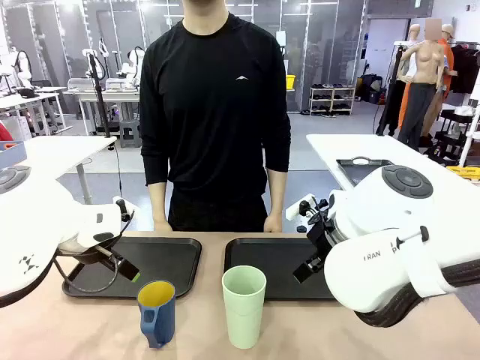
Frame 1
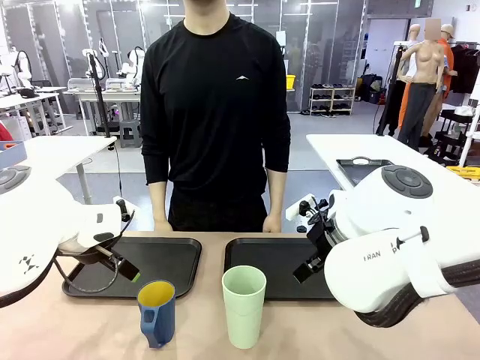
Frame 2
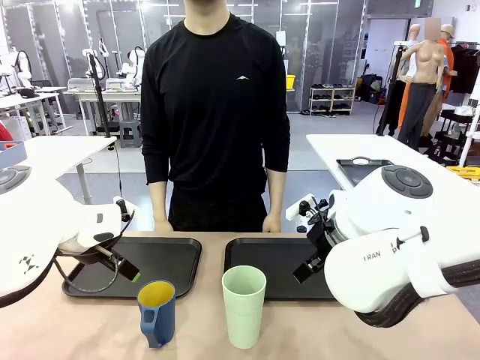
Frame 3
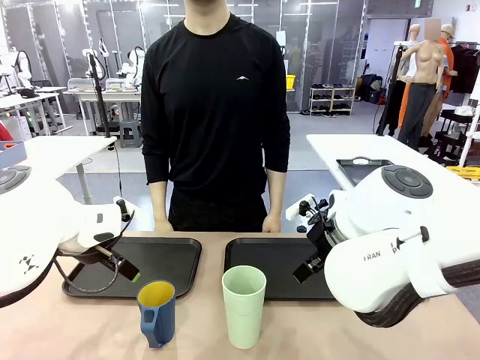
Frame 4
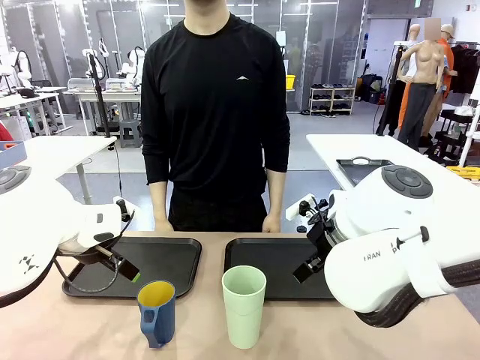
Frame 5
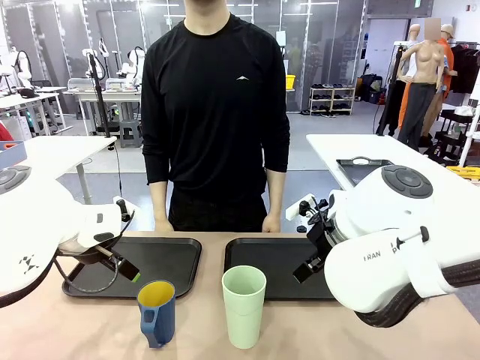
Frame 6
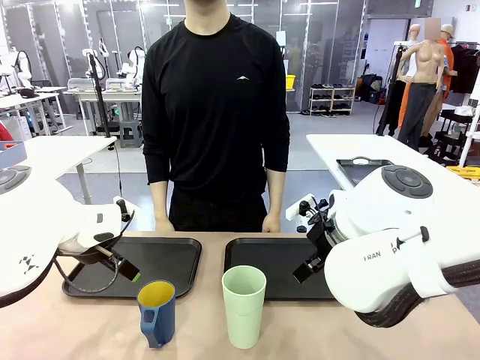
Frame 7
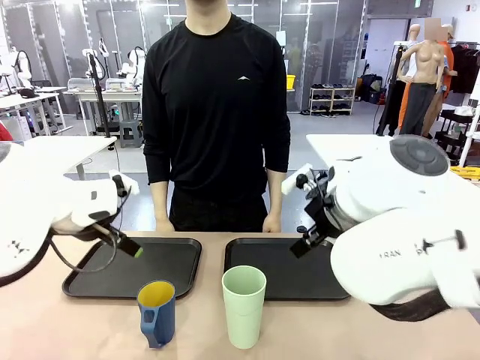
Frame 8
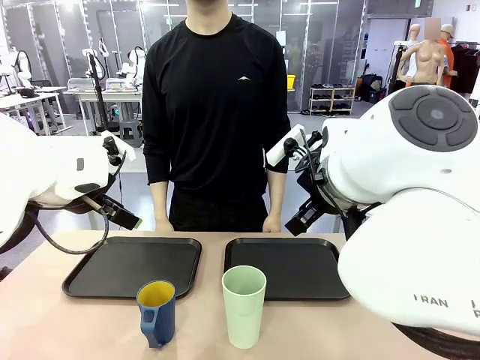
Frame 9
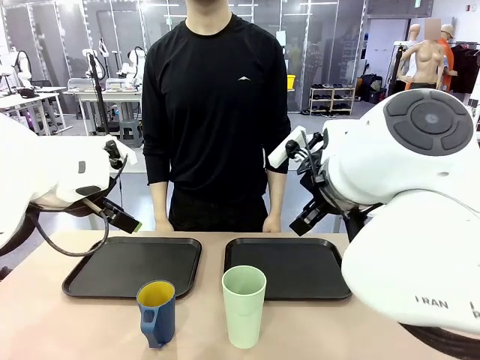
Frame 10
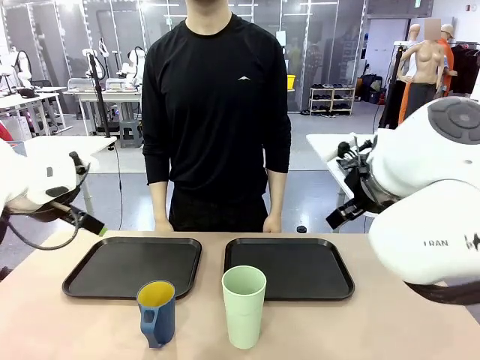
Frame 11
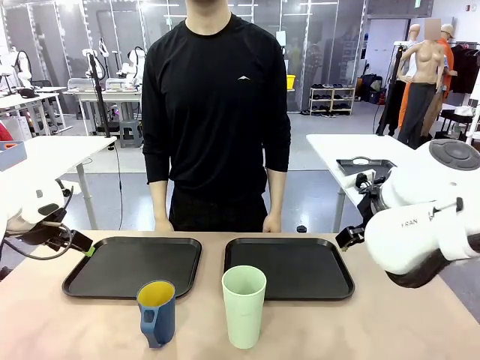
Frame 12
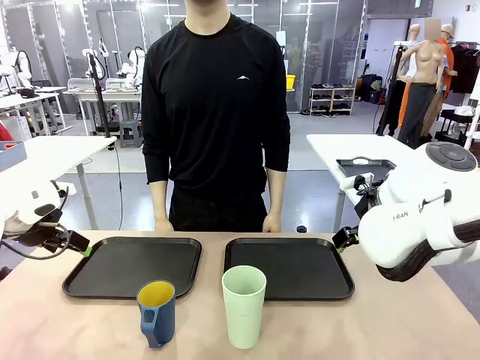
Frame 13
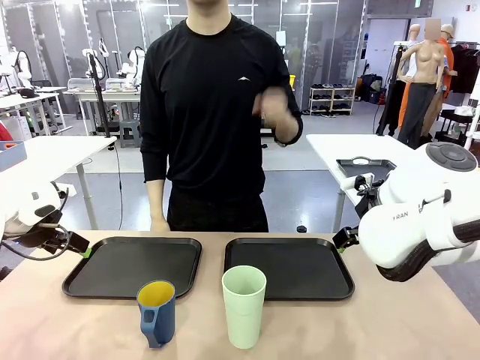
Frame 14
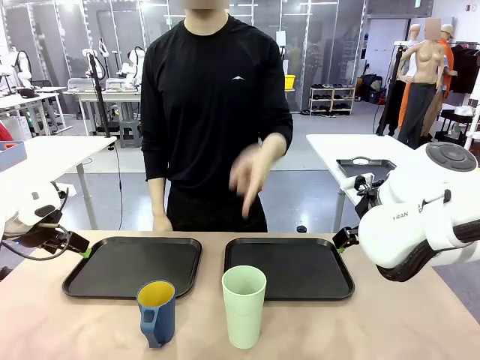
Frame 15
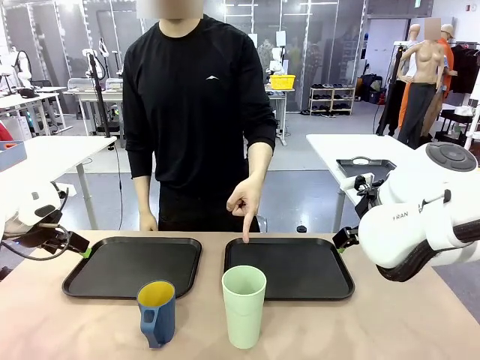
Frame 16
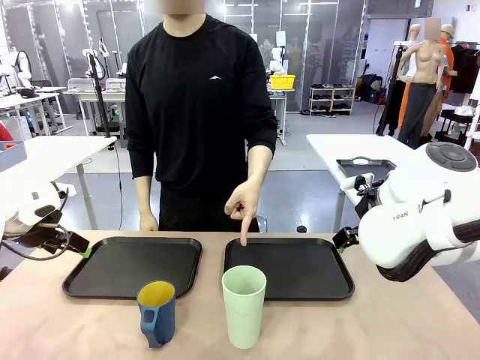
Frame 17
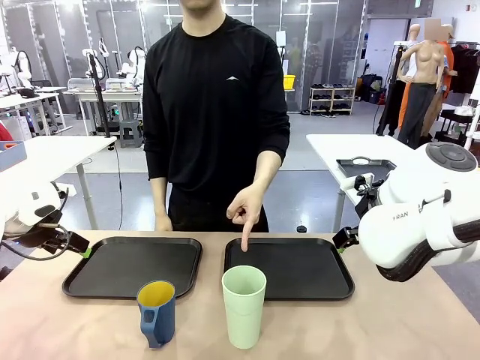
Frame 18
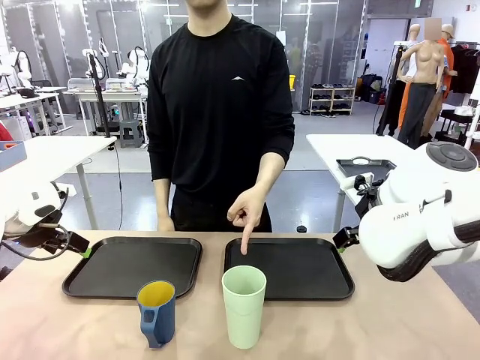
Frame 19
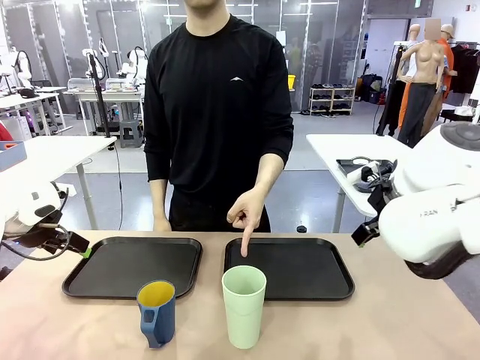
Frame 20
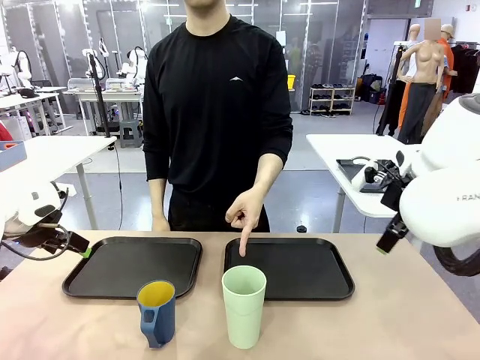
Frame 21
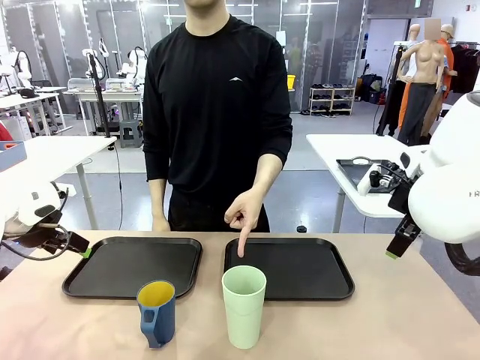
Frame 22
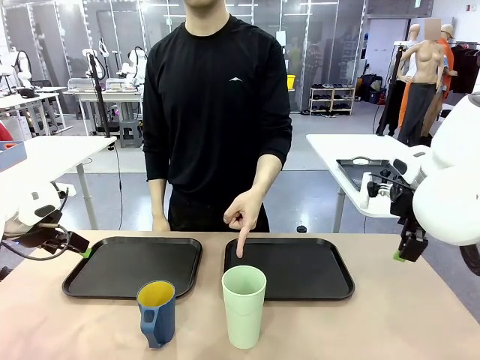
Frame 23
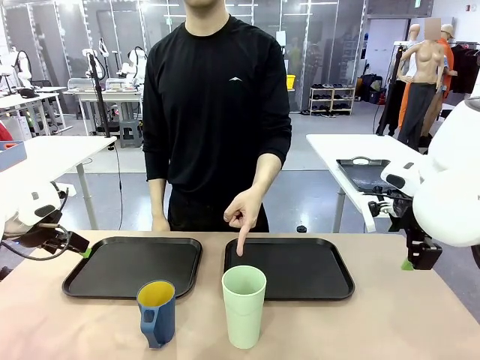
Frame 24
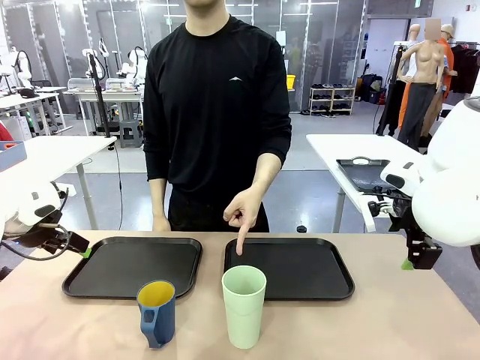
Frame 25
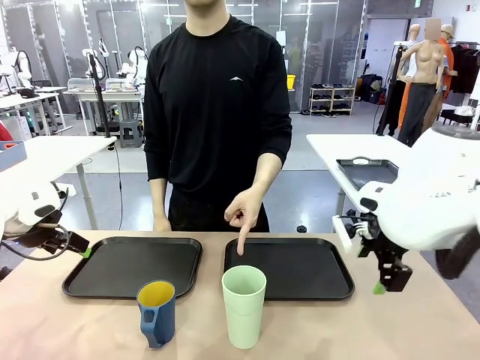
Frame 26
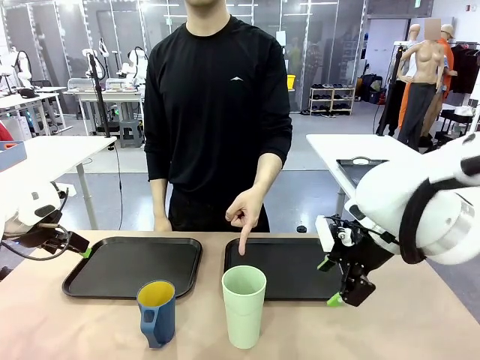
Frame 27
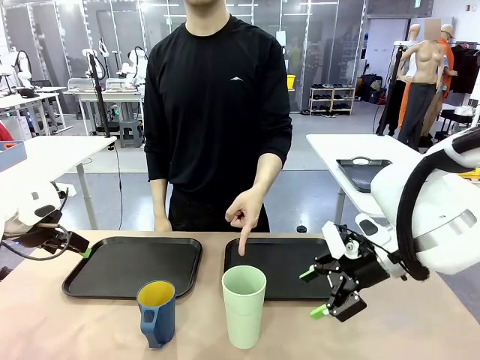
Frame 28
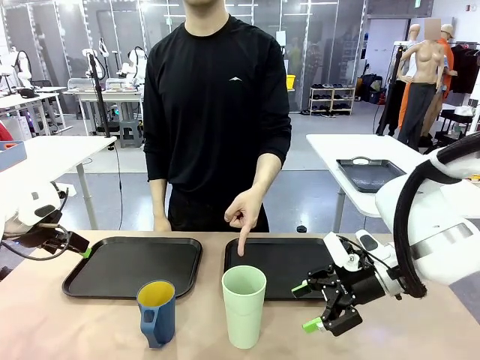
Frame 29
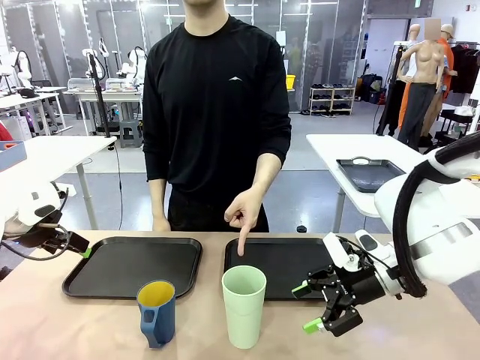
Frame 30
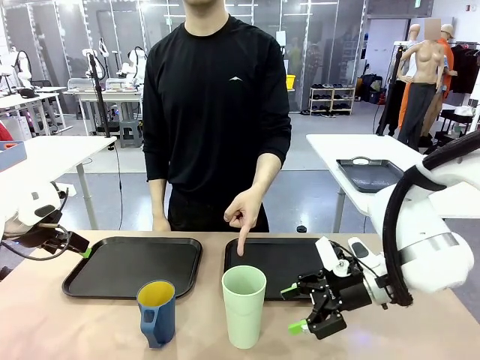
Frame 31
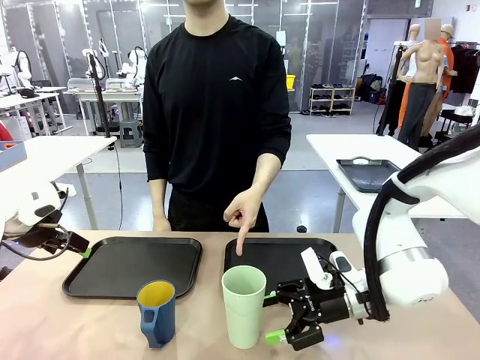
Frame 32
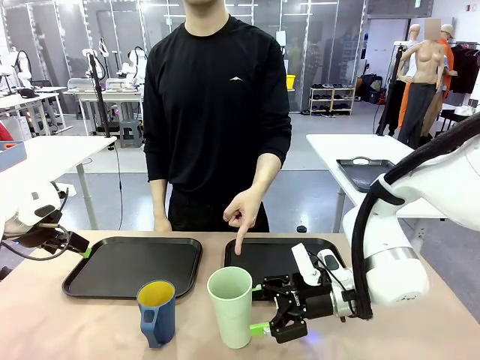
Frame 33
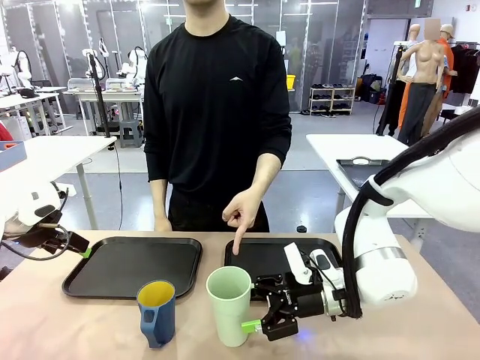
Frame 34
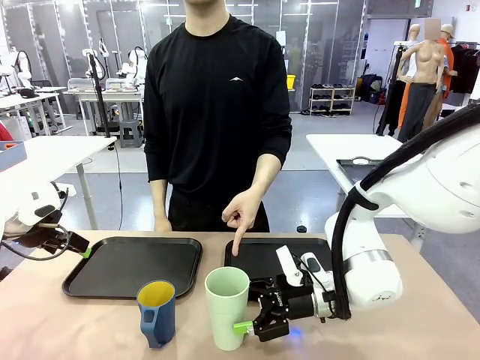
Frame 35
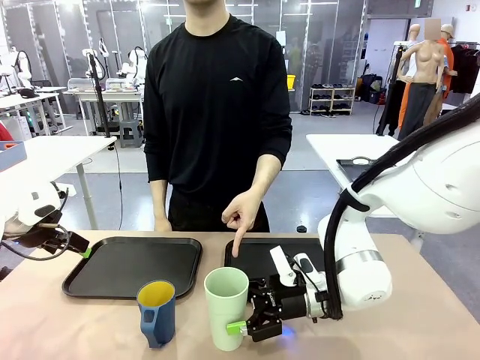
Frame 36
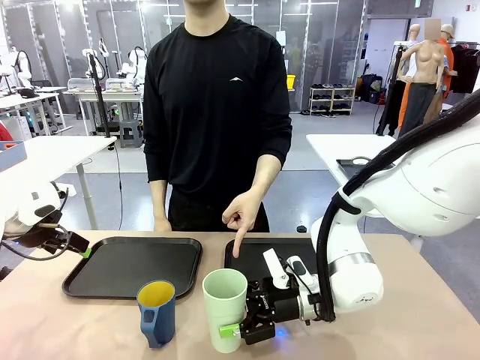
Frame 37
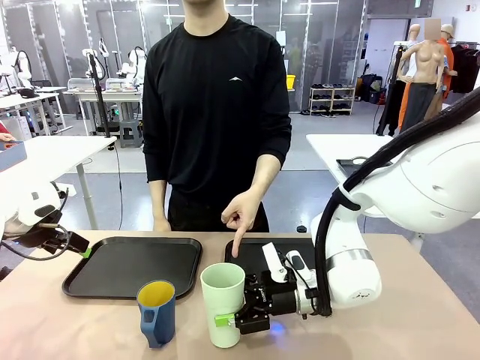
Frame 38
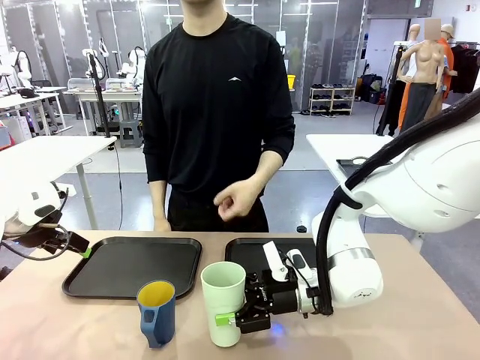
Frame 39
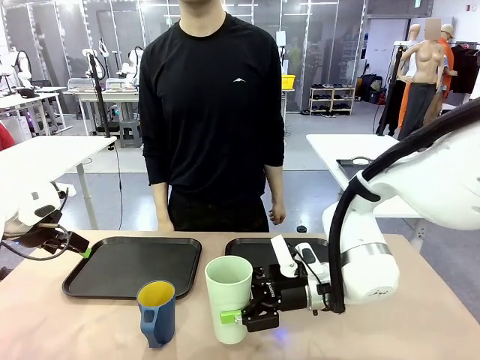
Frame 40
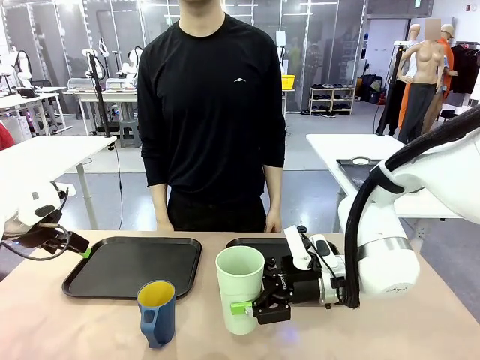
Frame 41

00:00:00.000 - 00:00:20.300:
Task: Sort and store the cups by type.
Robot: Pick up the Reusable plastic cup.
Person: Points to the reusable cup. Point to one of the two trays.

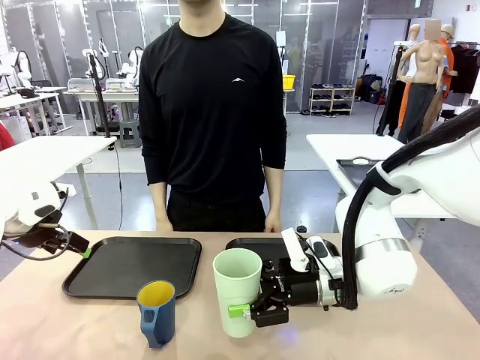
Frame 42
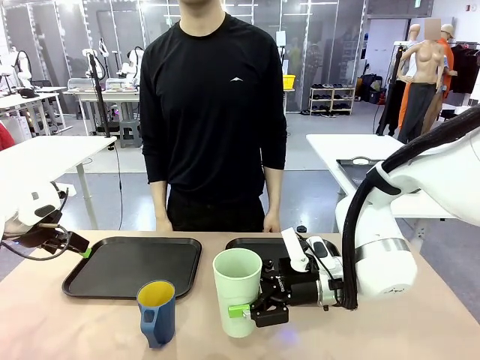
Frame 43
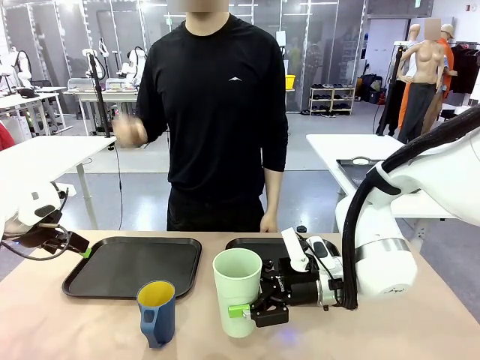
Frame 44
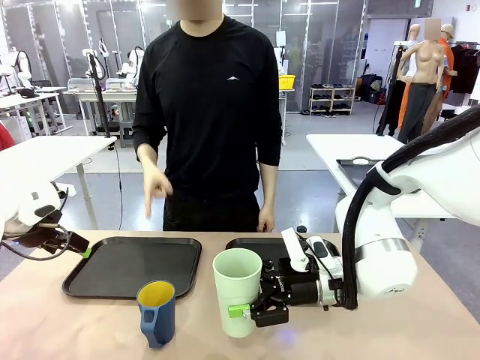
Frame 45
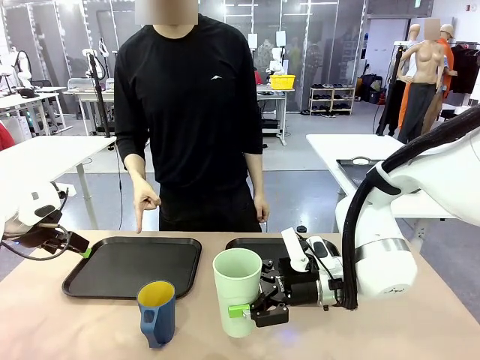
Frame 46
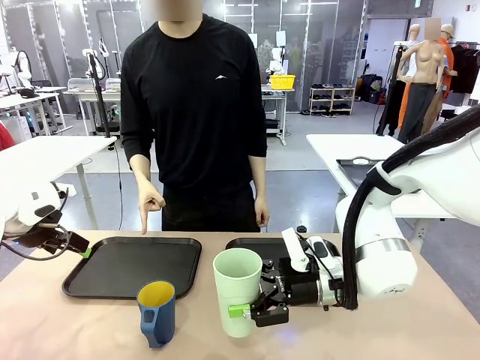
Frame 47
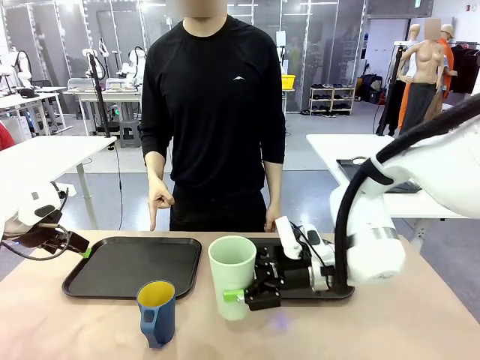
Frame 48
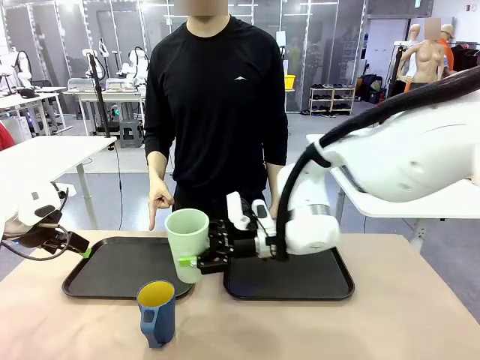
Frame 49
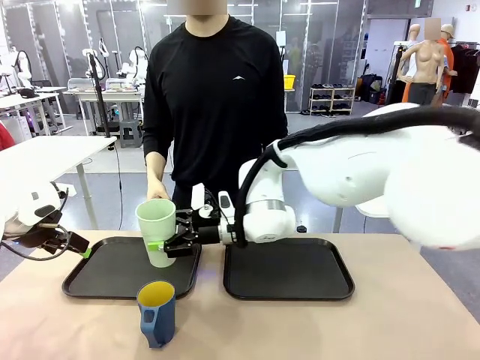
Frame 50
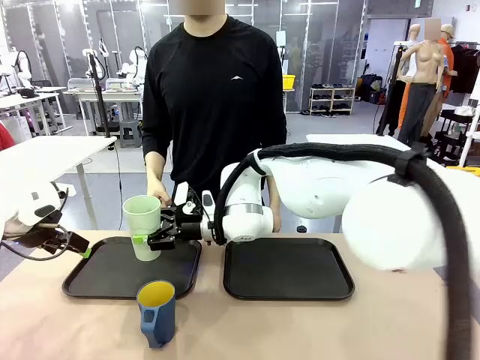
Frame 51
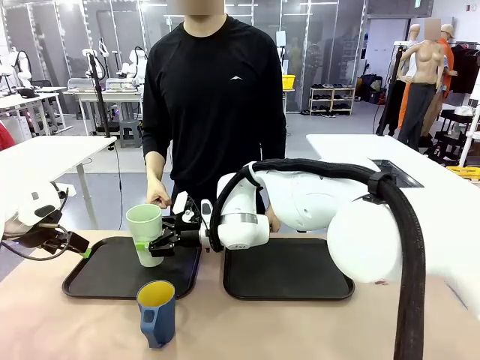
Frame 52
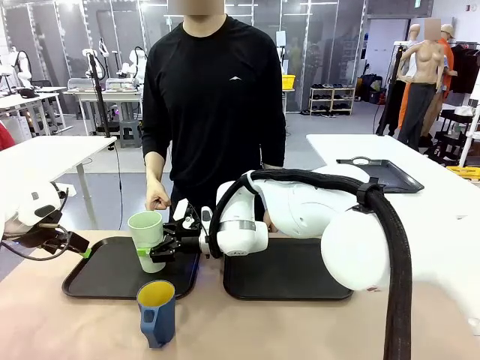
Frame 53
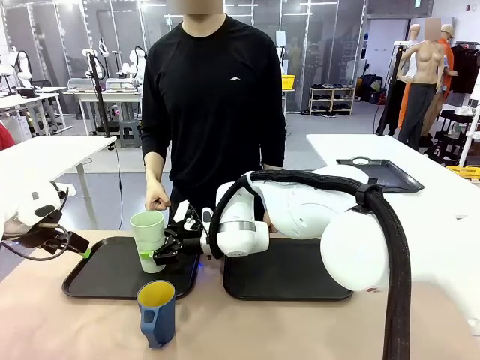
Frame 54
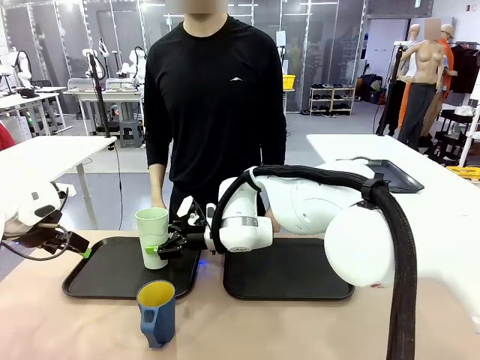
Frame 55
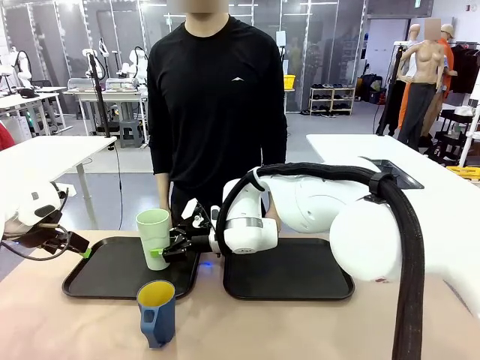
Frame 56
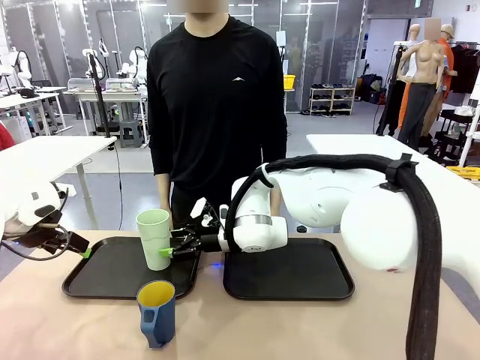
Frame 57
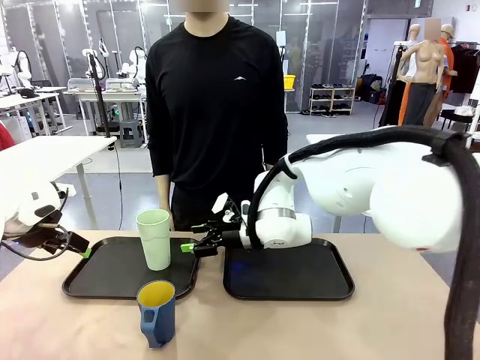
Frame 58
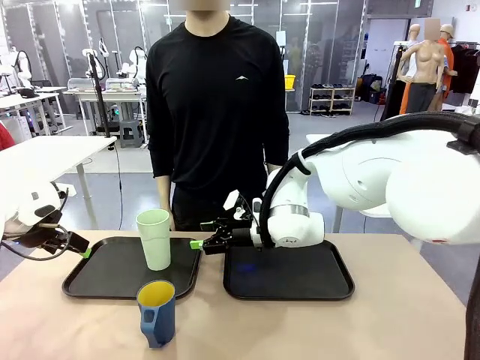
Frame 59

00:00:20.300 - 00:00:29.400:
Robot: Place the picked Reusable plastic cup into the Flat Tray indicated by the person.
